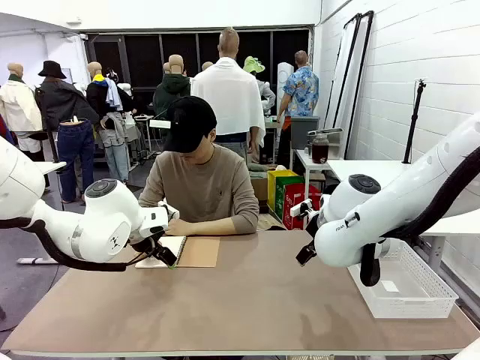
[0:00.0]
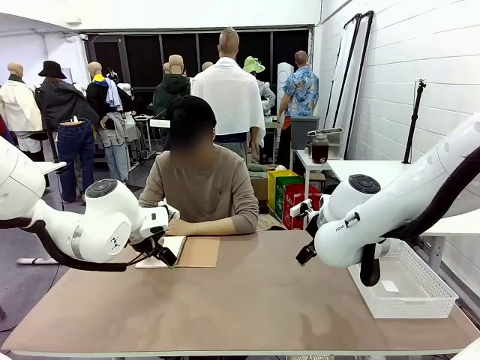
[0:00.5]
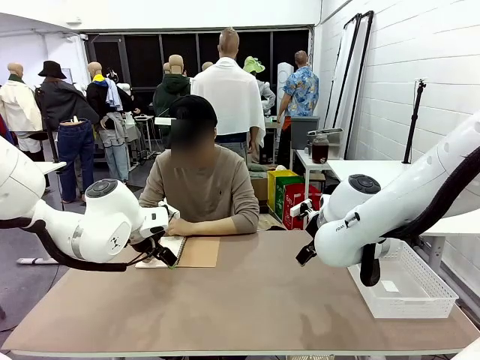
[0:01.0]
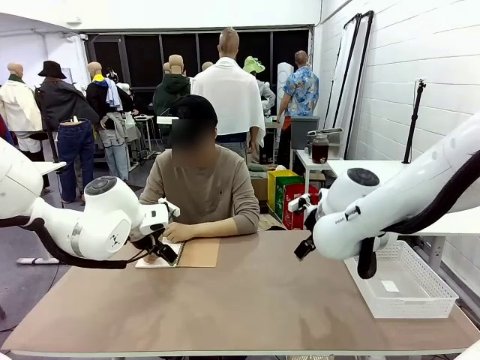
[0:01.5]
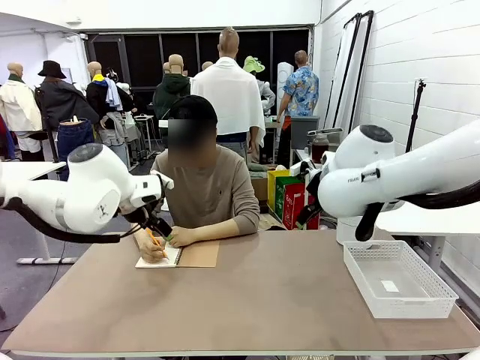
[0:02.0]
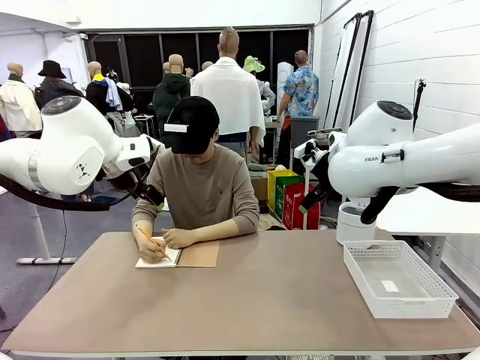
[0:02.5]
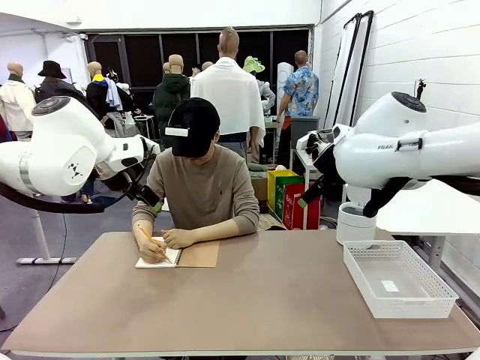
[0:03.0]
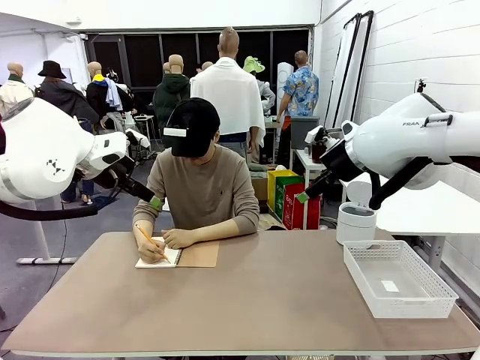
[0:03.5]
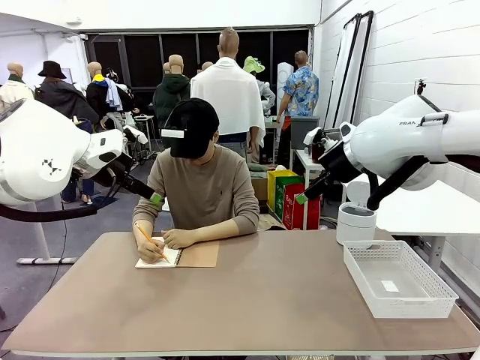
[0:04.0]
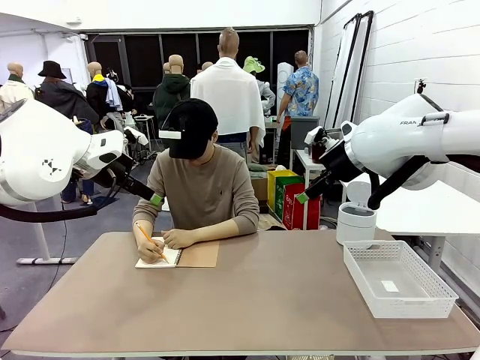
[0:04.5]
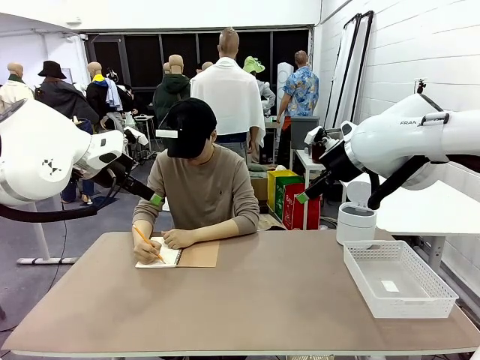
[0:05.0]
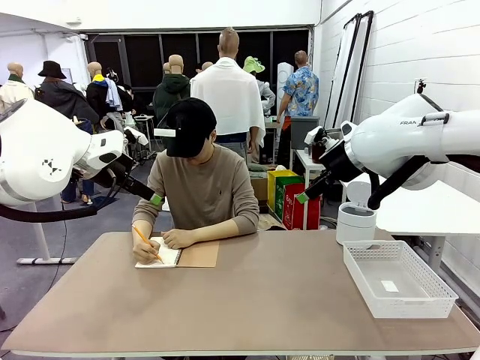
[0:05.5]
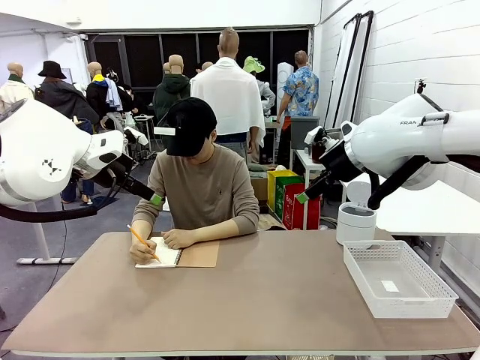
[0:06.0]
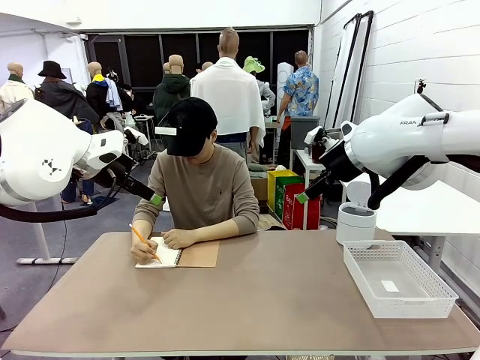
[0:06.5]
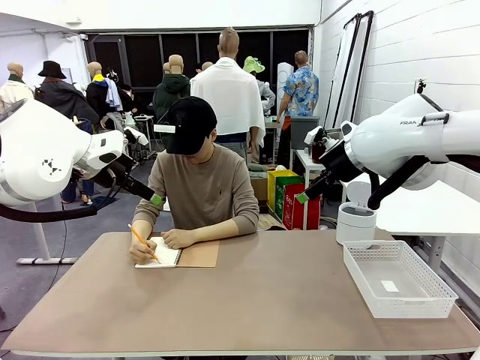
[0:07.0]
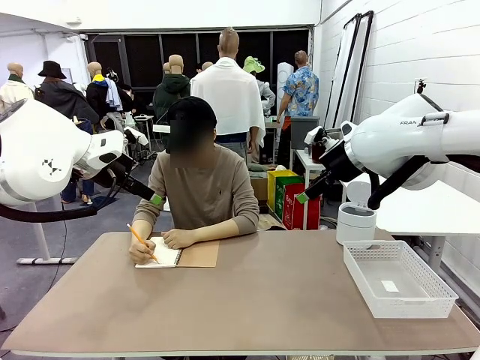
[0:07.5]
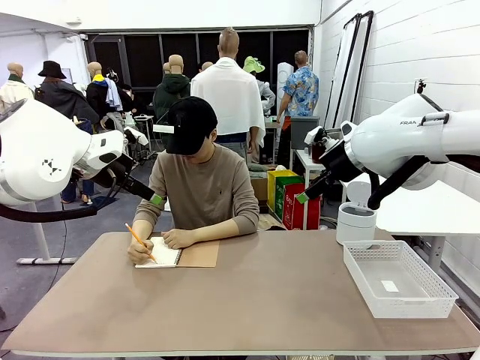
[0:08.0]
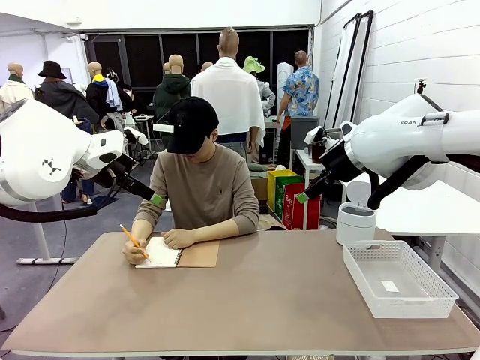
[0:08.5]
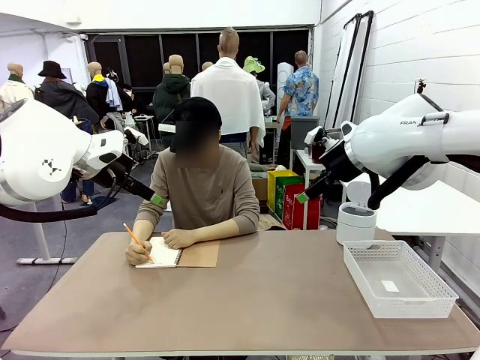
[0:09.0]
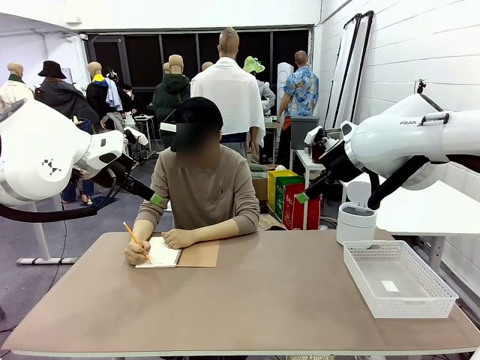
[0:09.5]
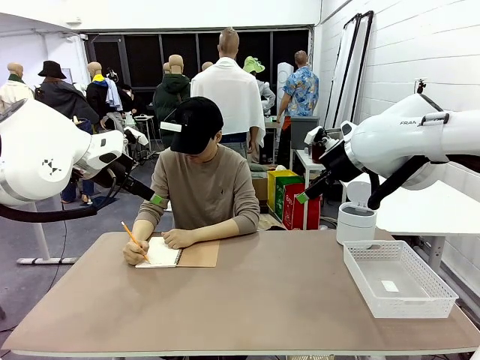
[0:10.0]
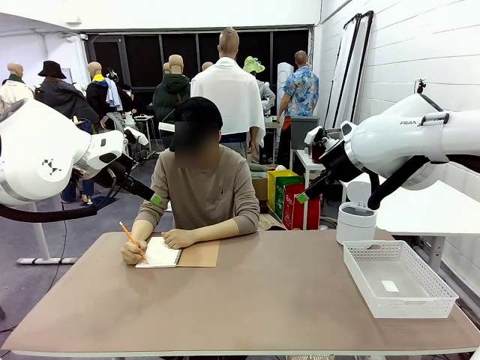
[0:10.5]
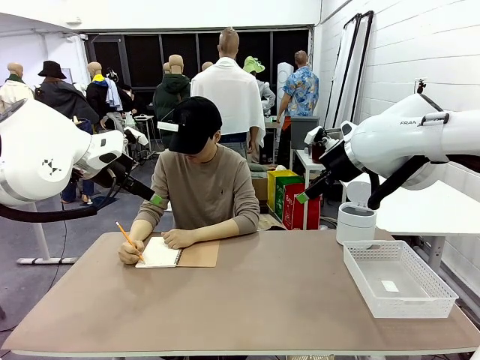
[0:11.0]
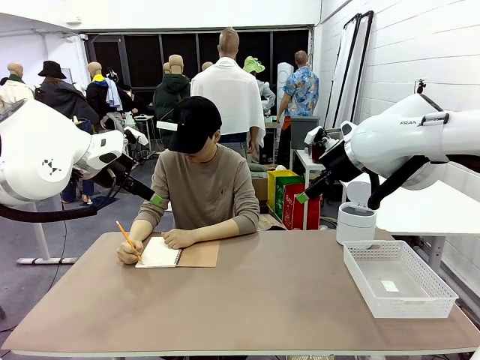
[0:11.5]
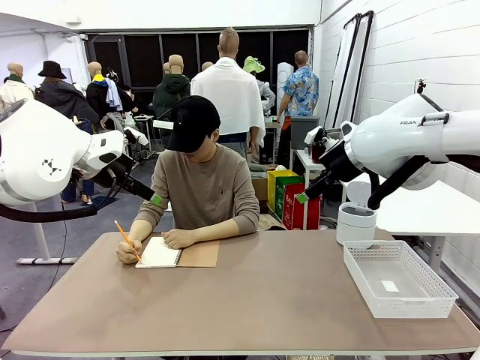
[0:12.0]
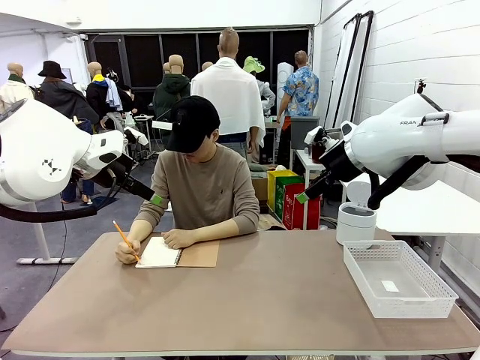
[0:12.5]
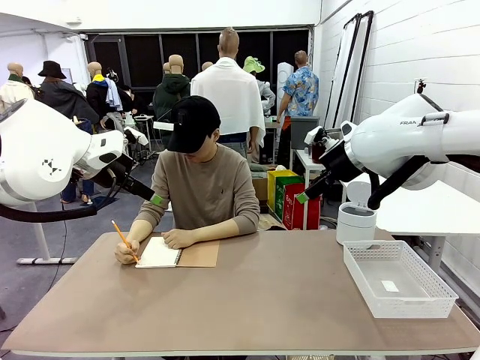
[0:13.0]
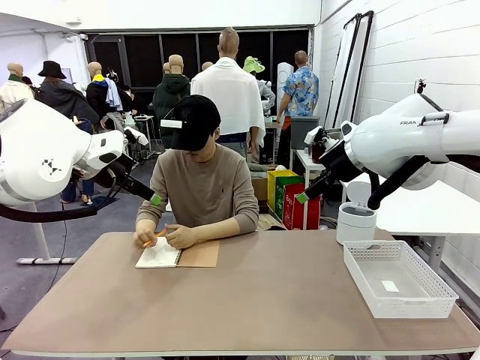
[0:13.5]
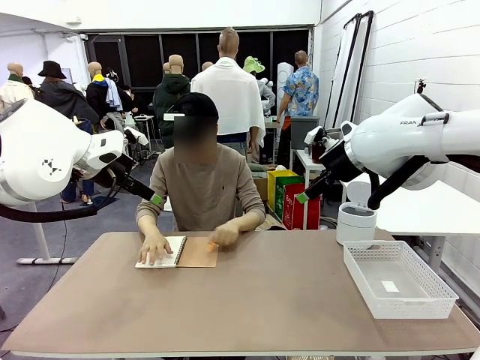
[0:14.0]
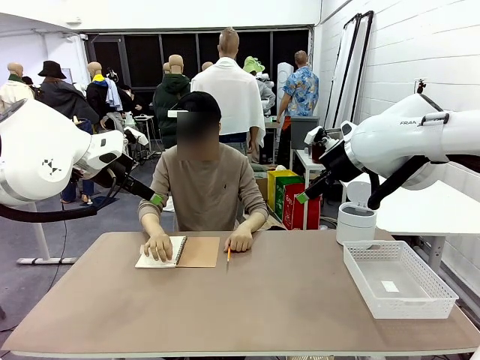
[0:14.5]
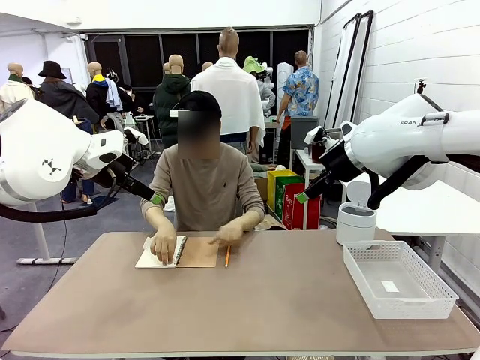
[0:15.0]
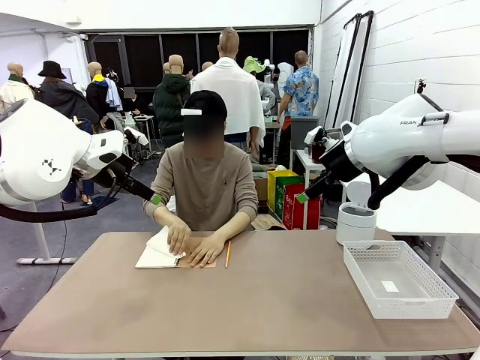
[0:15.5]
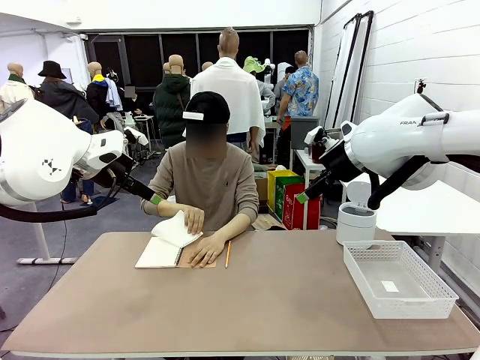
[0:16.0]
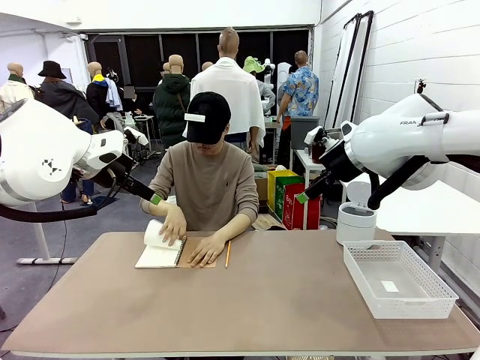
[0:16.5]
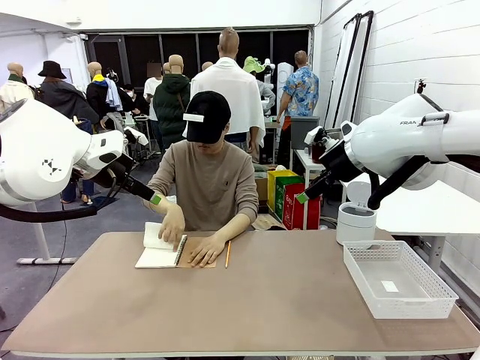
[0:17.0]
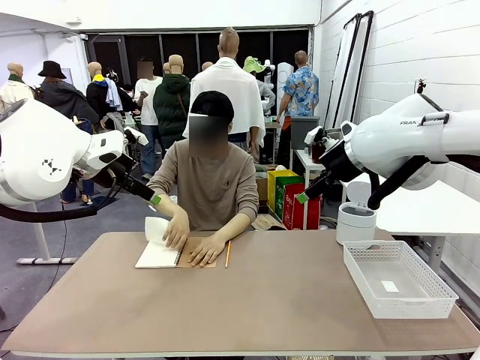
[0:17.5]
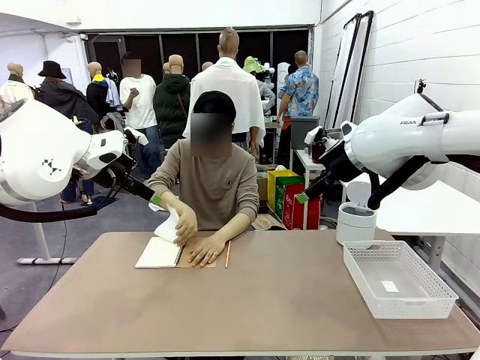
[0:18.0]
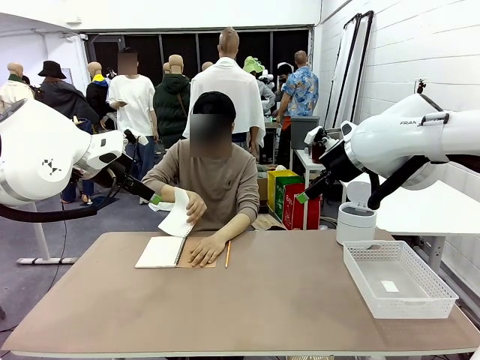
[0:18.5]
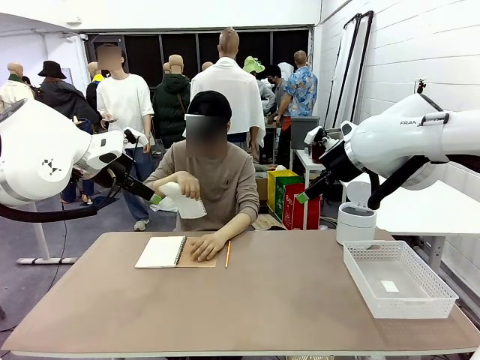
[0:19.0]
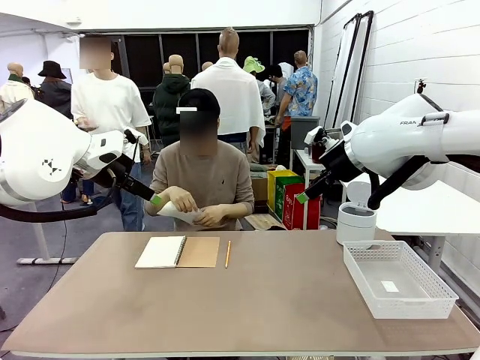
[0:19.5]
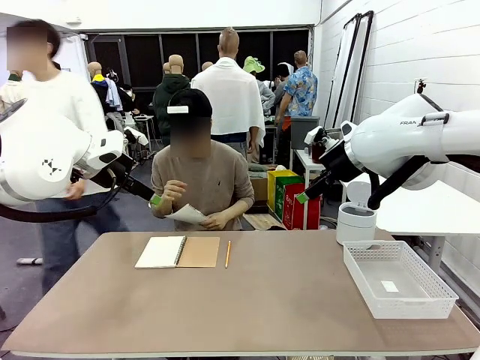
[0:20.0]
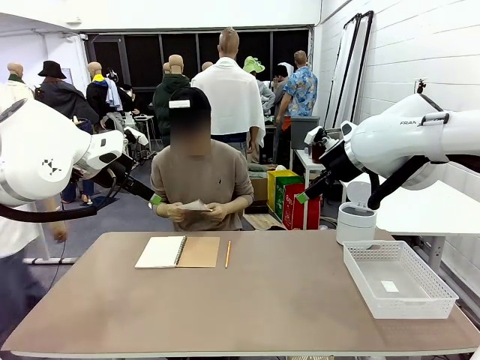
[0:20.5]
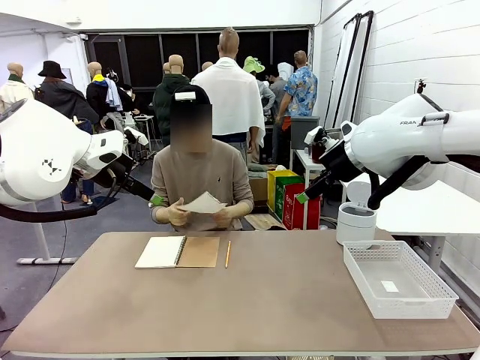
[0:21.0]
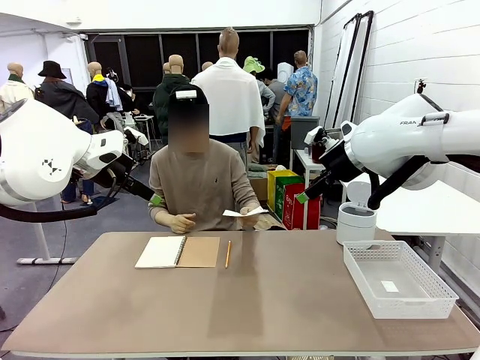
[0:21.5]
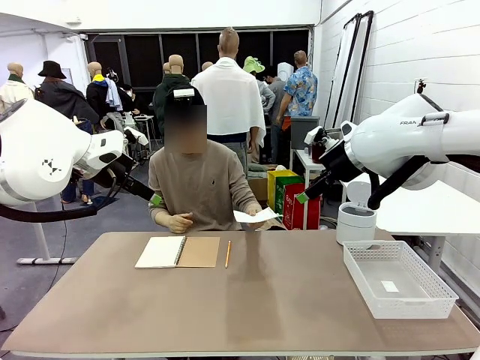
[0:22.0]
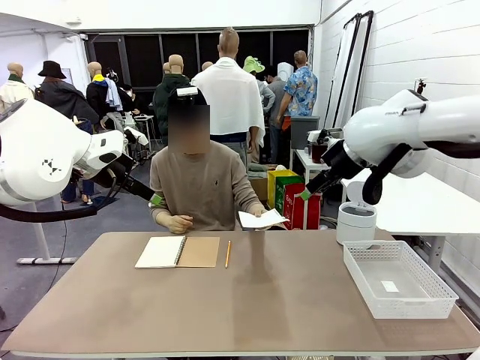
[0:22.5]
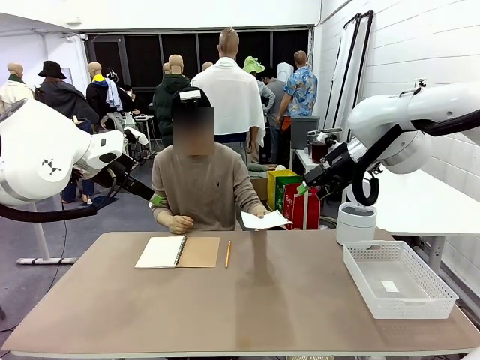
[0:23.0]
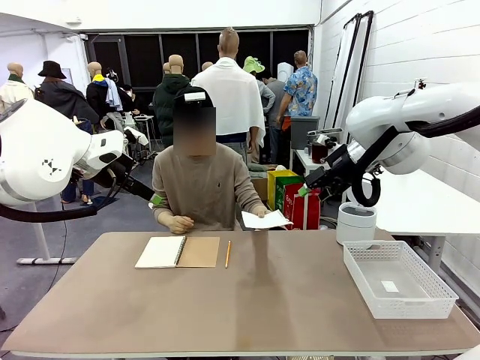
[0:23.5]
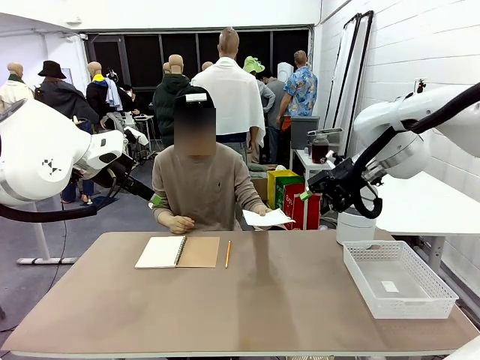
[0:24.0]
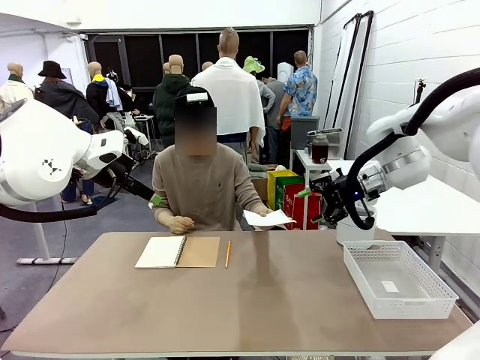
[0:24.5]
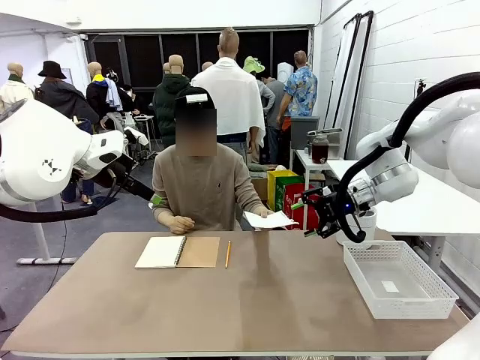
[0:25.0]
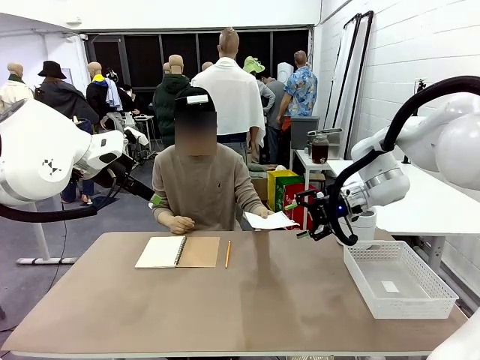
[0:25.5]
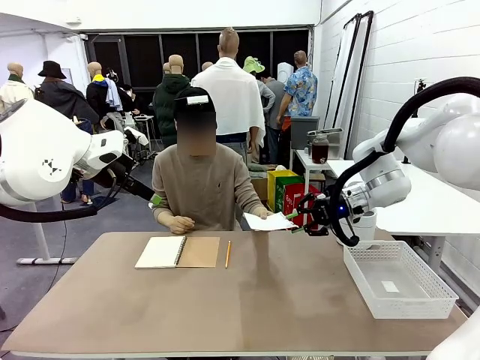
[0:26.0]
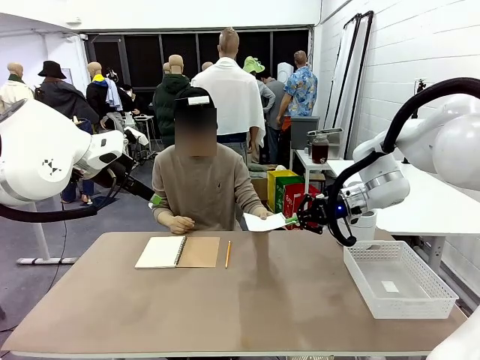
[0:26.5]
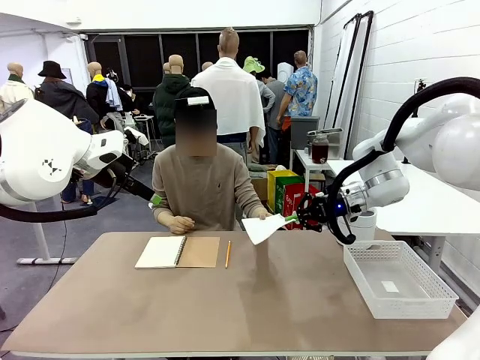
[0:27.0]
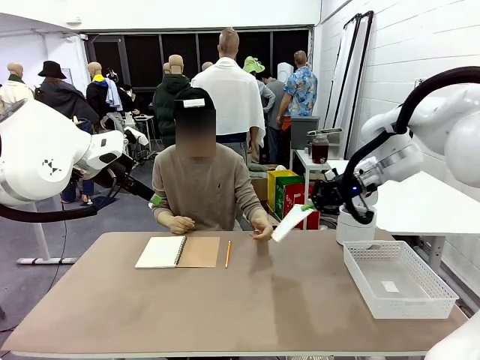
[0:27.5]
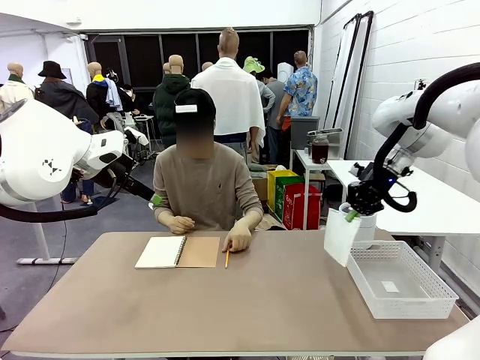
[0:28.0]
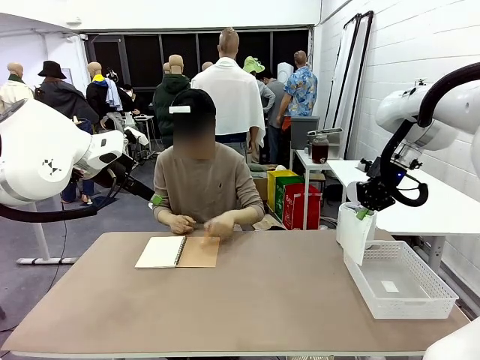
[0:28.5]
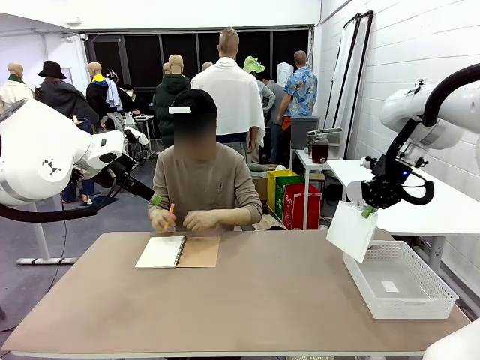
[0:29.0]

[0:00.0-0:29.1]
Task: Sort the paper based on its condition.
Robot: If a person hands you a paper, place it in the Organizing basket , and if it's crumpled, put it in the Trash can.
Person: Tear out a page from the spiral notebook. Hand the torn page to the robot or crumple it and throw it to the center of the table.
